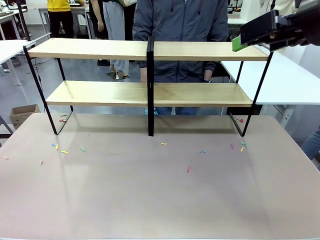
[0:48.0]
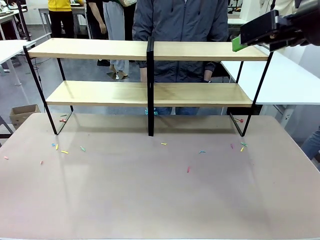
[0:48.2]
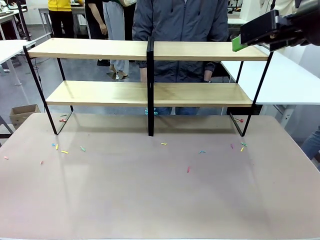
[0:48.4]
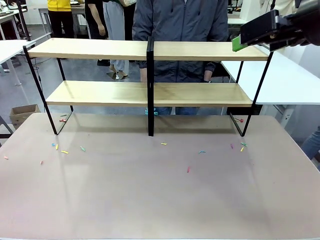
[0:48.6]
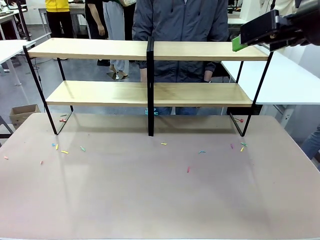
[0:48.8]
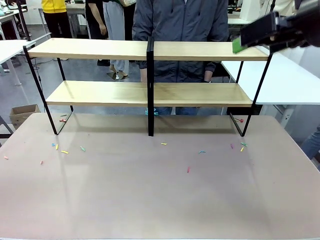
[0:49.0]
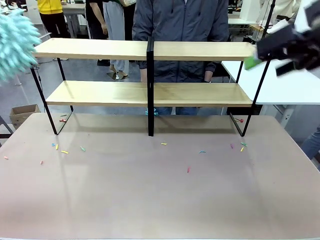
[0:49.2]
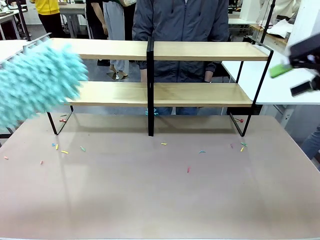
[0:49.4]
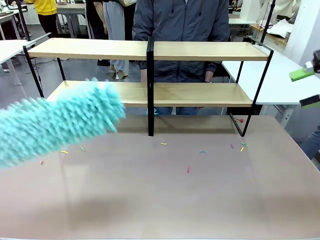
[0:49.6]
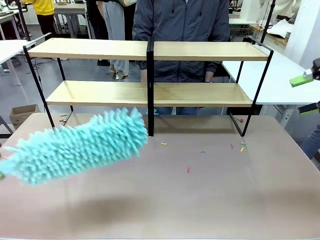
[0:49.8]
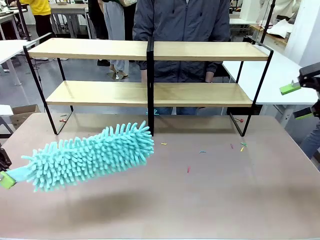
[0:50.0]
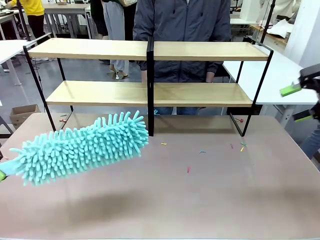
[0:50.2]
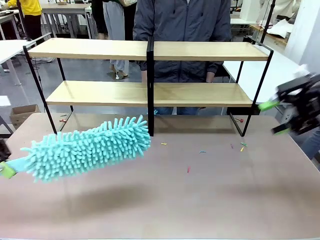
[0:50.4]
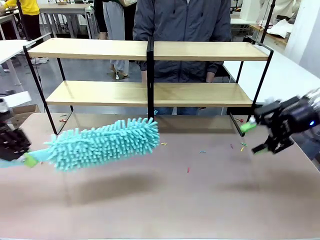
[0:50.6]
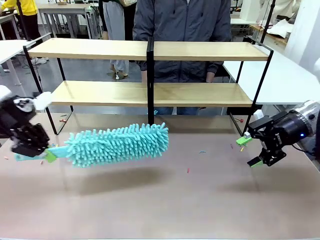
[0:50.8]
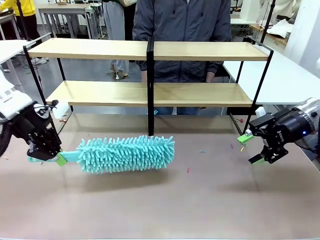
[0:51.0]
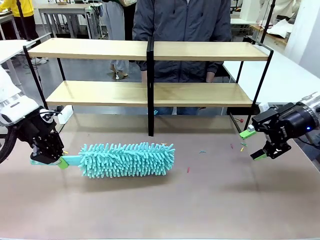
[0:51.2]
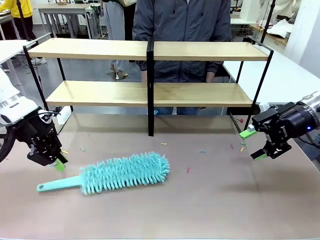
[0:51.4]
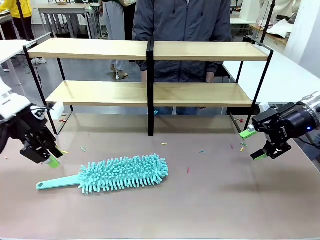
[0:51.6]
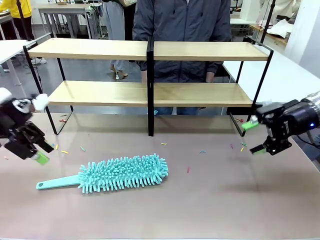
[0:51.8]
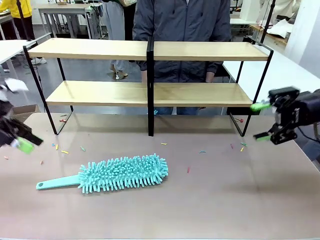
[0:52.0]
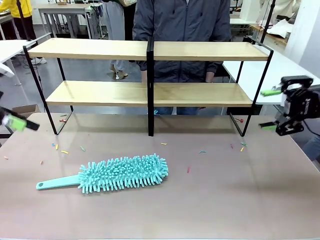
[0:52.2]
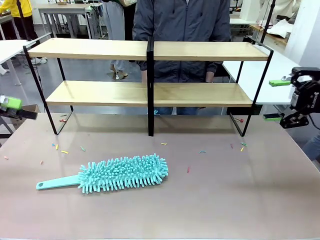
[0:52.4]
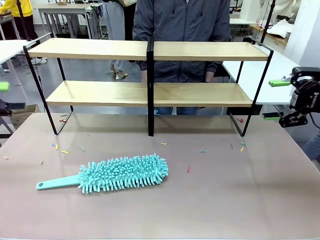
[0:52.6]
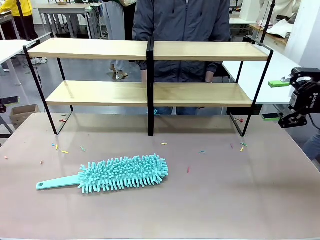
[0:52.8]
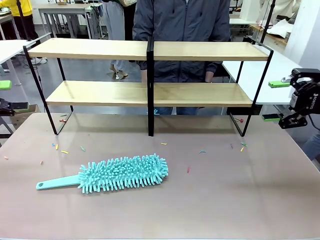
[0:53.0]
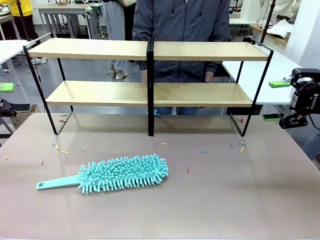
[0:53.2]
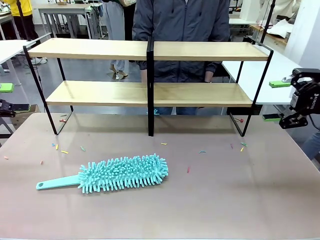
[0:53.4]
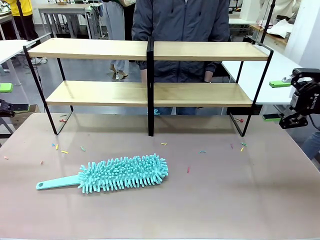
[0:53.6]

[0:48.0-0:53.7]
Task: Clean the shelves.
Robot: Place the Duster on the table.

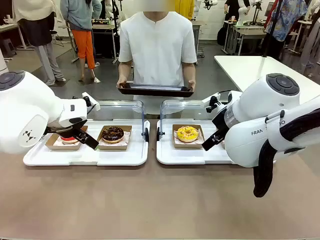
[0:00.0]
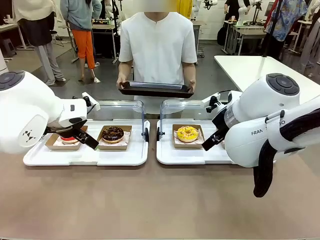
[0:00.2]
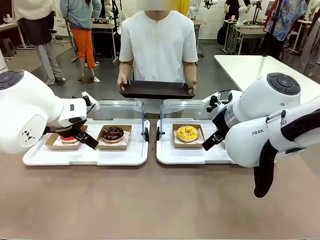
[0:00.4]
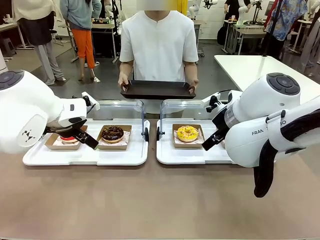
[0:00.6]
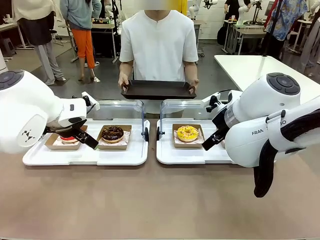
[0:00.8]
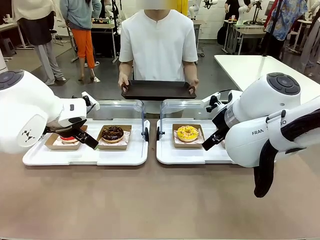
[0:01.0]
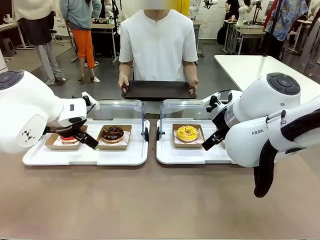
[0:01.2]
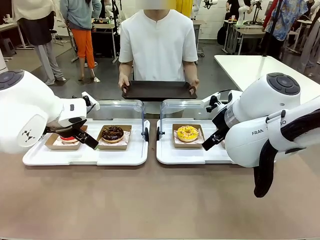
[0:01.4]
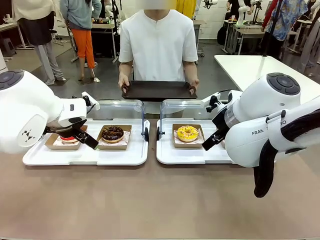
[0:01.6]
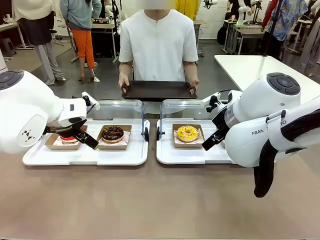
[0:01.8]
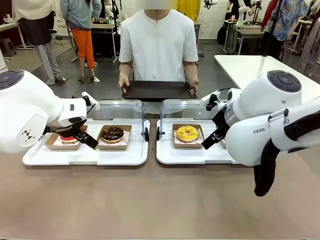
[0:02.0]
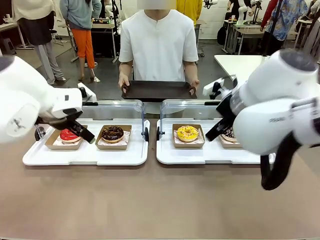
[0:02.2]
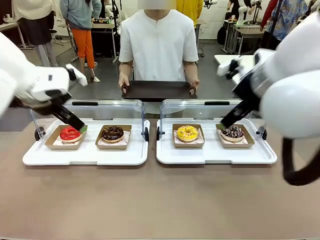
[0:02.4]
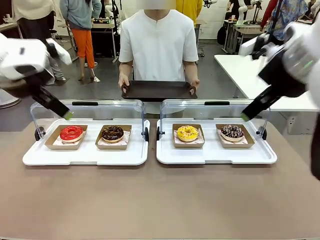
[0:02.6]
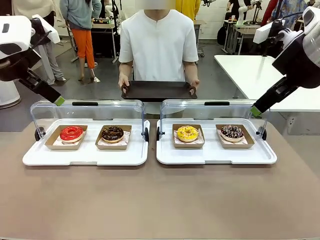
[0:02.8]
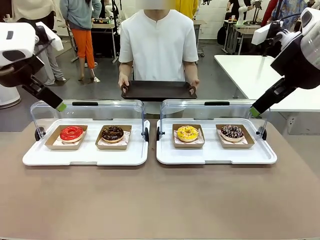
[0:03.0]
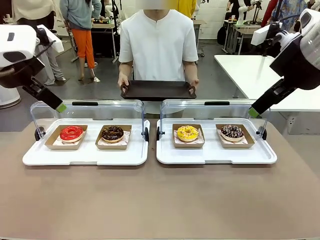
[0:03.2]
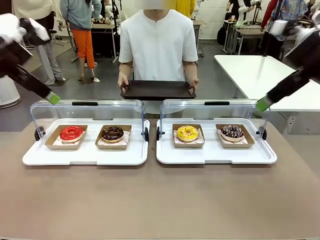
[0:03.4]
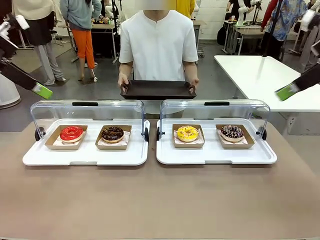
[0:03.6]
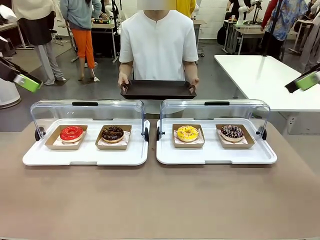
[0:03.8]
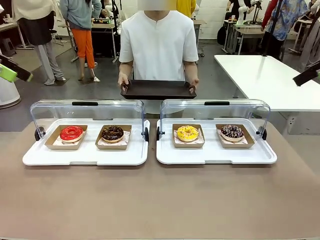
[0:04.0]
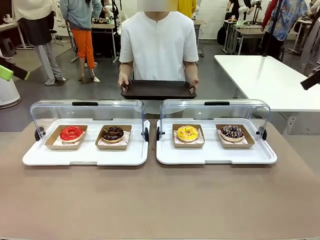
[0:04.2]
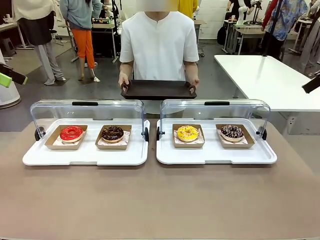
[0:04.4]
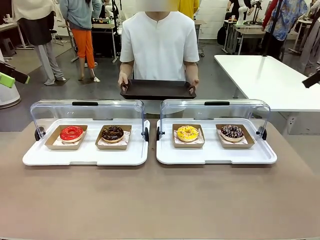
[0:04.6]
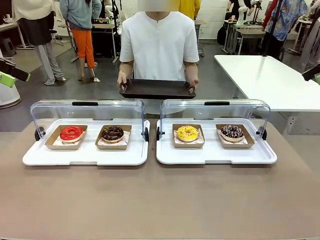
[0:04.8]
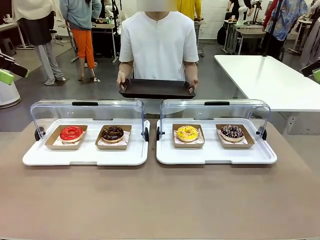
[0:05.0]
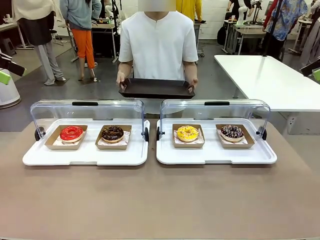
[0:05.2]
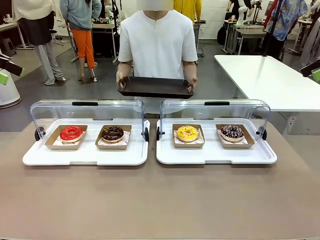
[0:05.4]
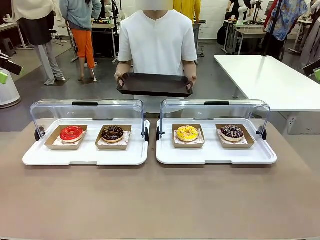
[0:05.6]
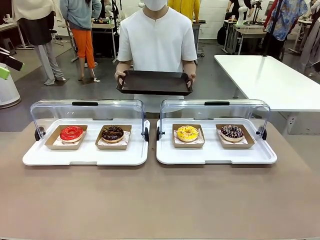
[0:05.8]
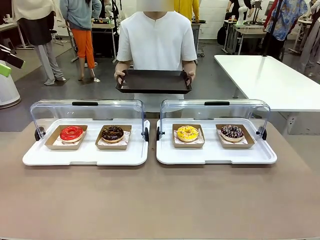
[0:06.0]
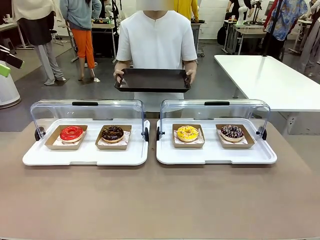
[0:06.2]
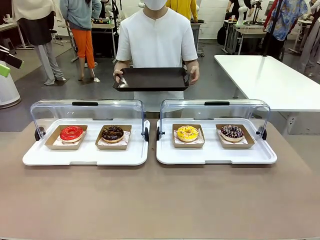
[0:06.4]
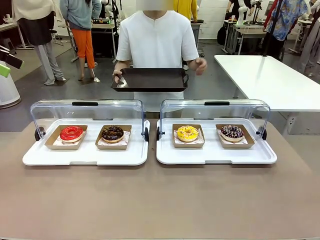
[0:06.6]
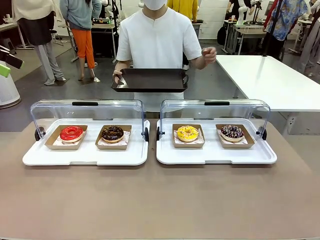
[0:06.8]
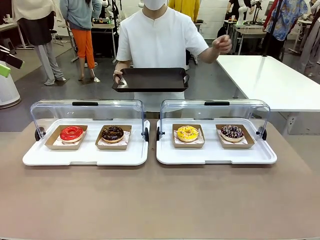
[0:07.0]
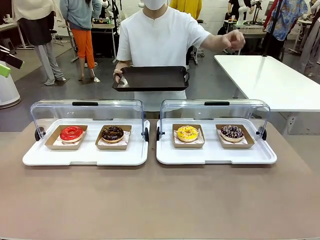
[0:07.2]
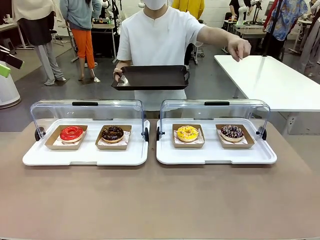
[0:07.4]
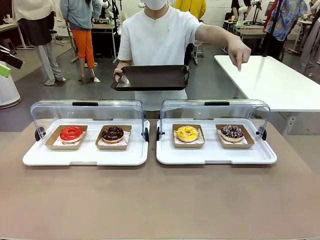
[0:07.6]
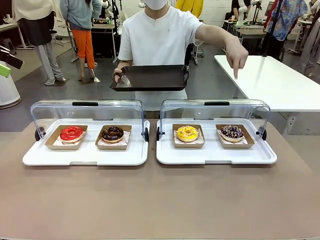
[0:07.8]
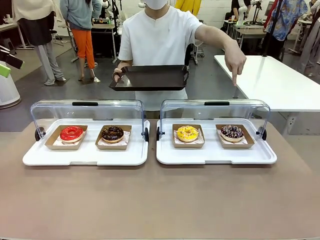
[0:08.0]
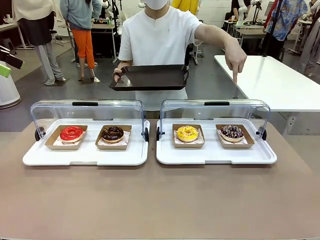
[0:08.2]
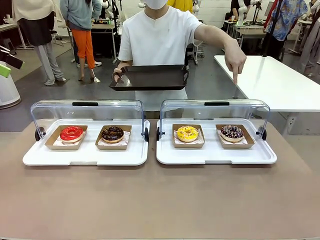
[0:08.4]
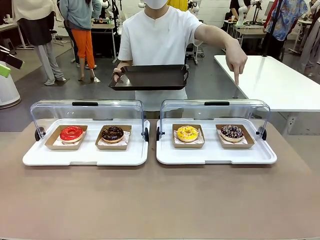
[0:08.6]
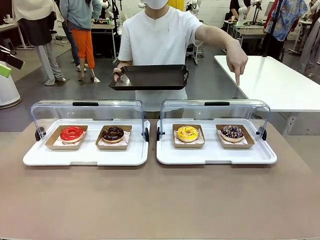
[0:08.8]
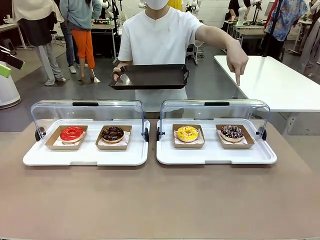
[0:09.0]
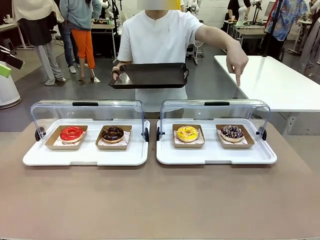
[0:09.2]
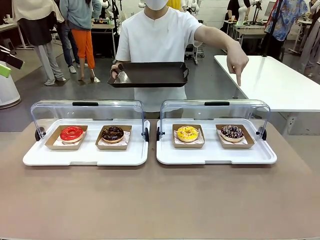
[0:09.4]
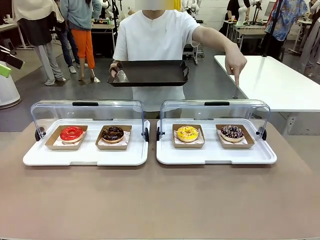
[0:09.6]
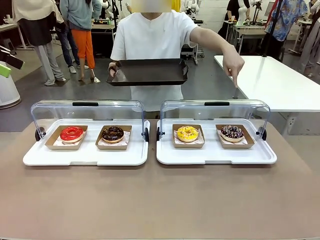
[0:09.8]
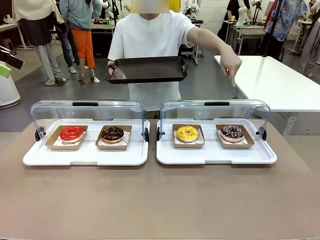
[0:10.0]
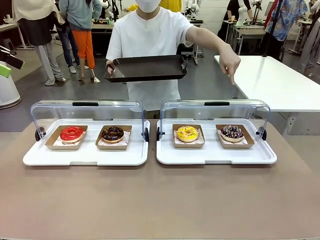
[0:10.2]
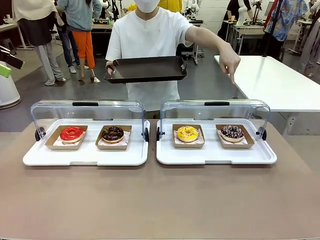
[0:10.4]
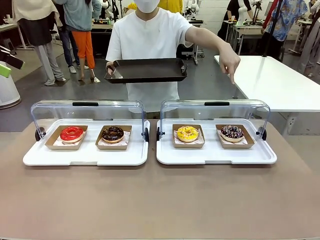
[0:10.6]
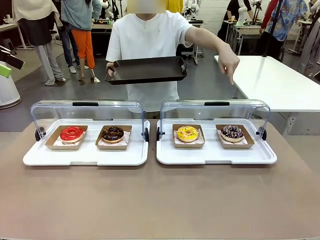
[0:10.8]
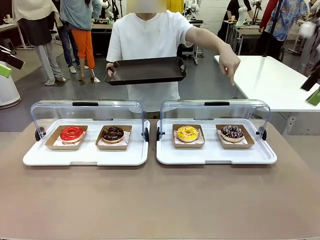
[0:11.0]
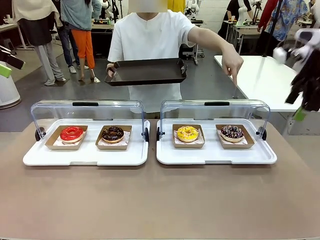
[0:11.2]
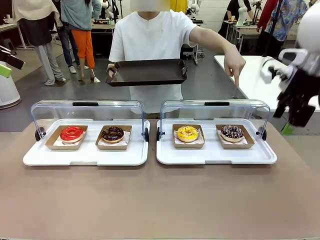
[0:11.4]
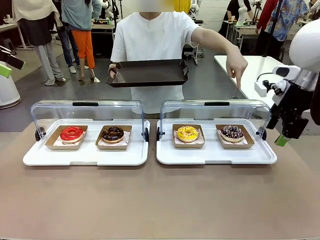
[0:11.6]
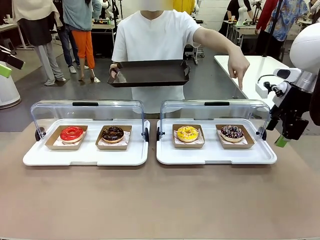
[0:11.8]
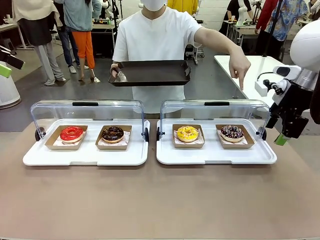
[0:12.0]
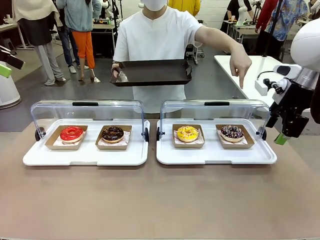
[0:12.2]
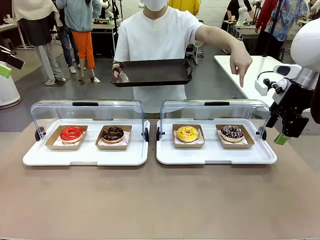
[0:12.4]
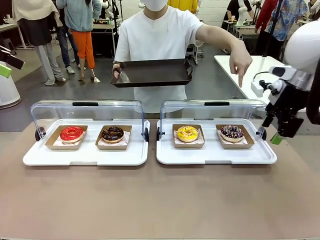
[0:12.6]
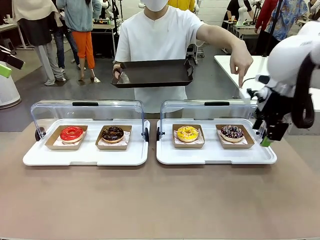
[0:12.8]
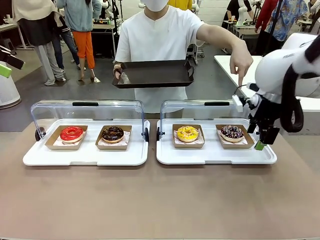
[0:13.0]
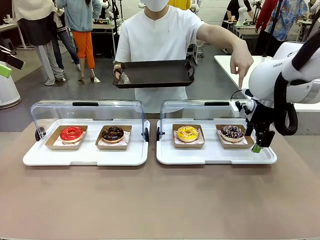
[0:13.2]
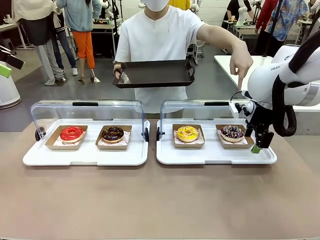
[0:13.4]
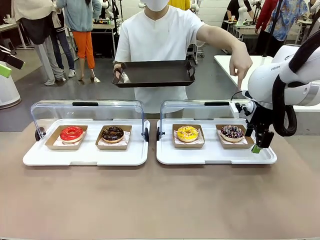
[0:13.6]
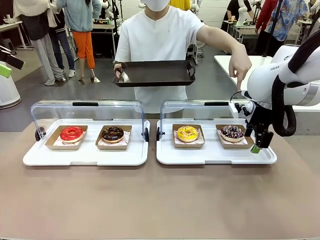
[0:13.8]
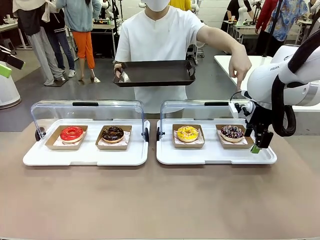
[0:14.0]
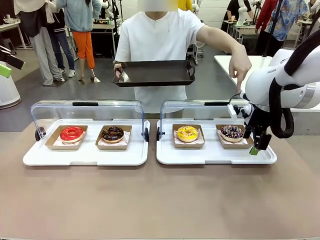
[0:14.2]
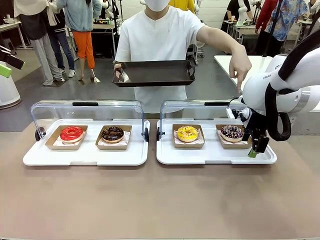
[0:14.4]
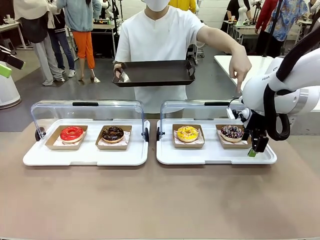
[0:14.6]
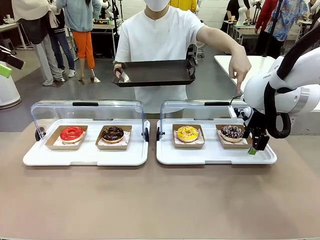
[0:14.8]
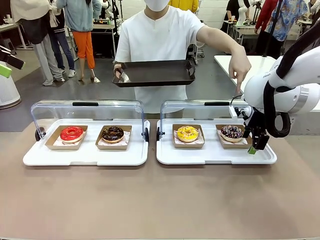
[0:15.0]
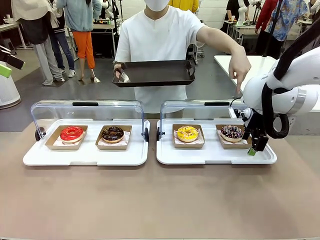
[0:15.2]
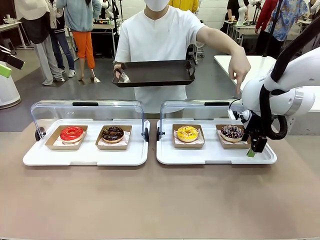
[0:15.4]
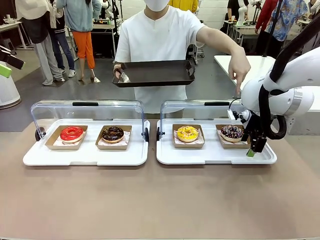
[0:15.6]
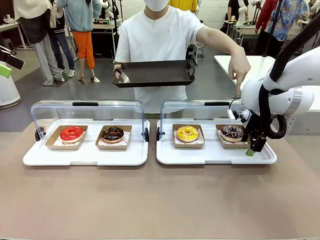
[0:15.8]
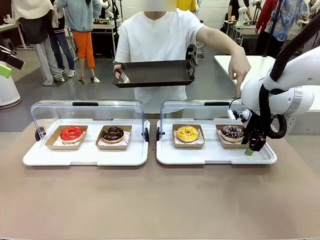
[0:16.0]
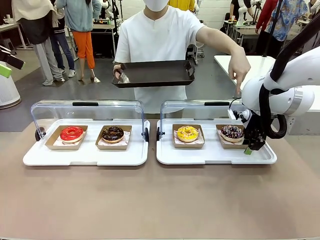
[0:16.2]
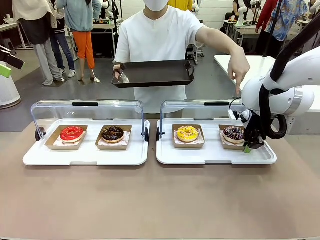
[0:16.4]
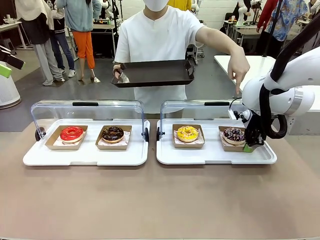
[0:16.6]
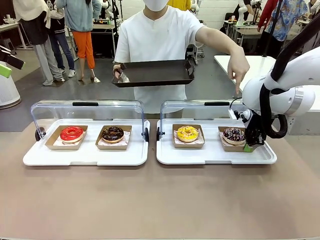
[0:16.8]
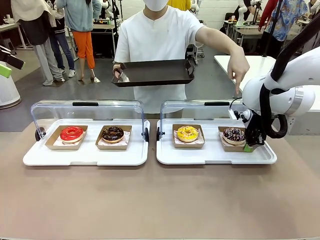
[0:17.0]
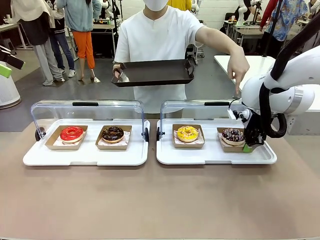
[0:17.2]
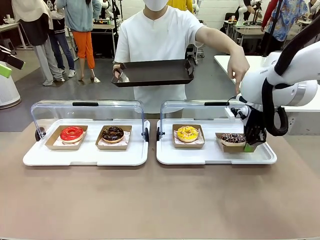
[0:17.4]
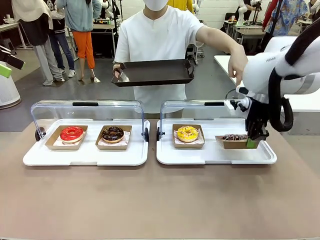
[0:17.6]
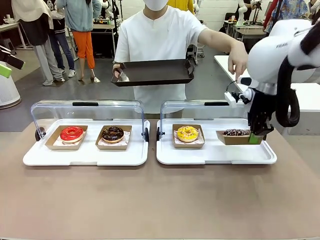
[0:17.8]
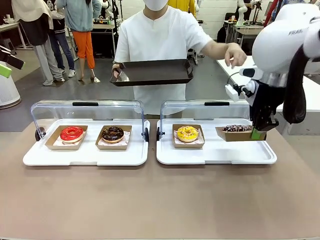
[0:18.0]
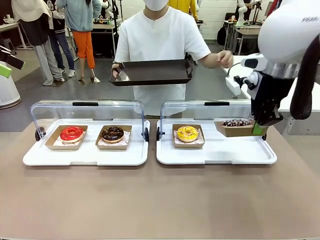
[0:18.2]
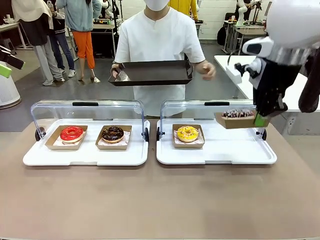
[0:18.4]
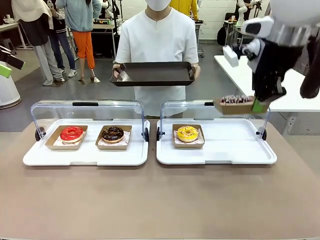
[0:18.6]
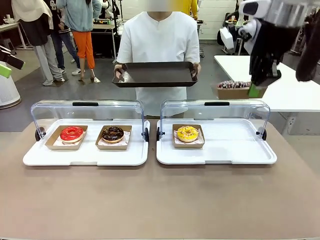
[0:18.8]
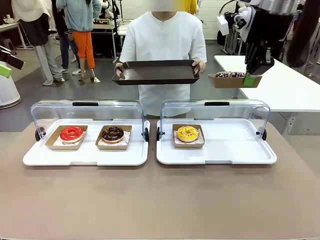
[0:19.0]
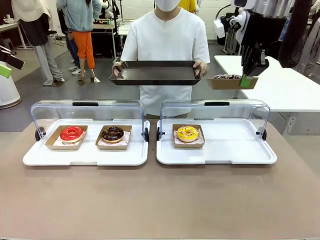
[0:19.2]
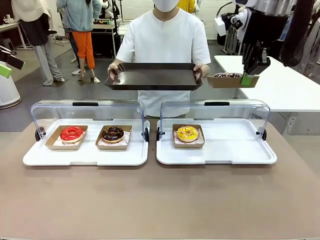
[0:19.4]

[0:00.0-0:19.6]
Task: Provide the desired donut to the person.
Robot: Pick up and lift the Paper togo box containing the Donut pointed at by the person.
Person: Point to one donut. Lift the tray onto the Roll-Top Bakery Case.
